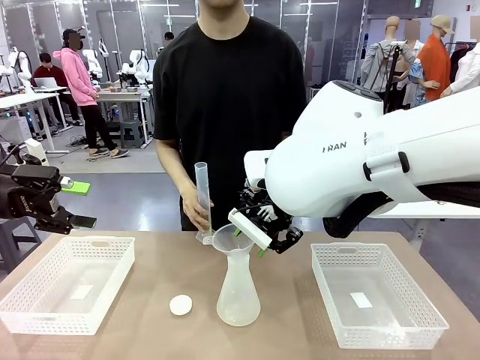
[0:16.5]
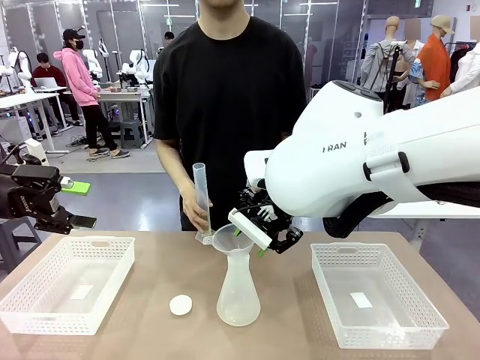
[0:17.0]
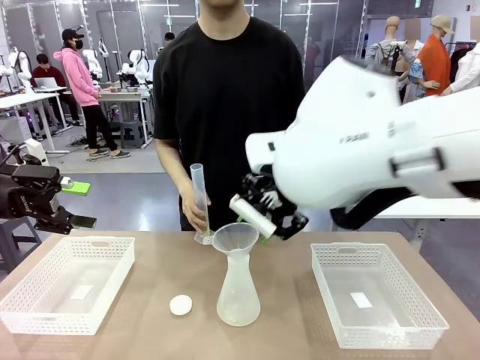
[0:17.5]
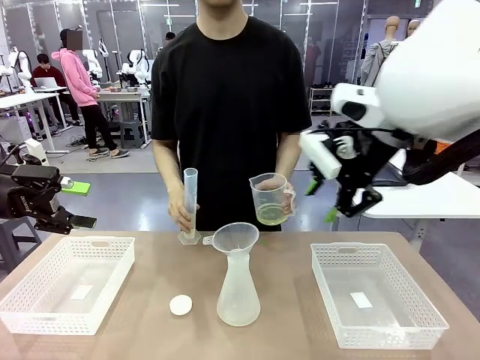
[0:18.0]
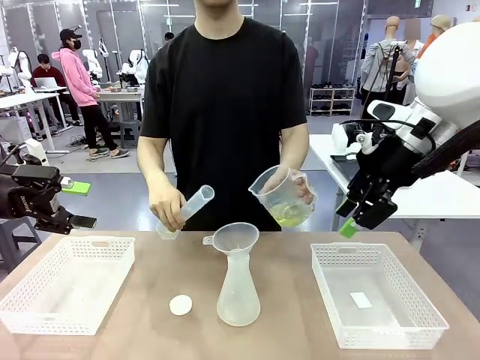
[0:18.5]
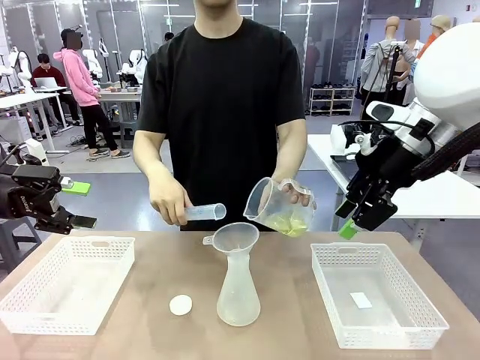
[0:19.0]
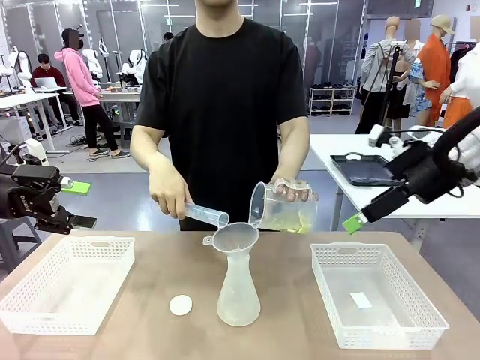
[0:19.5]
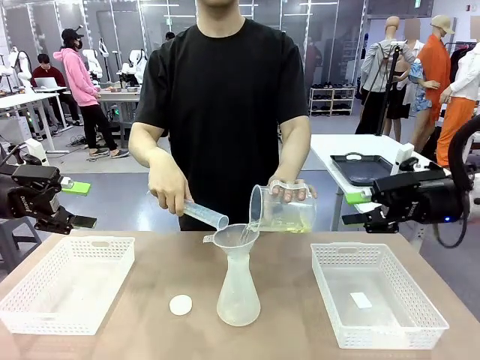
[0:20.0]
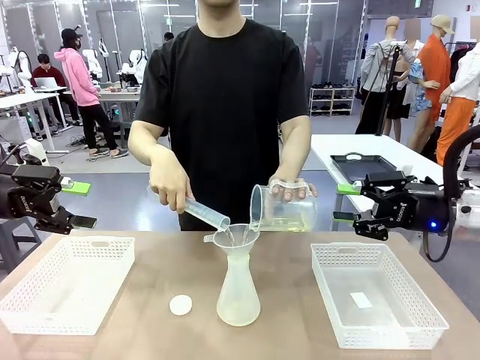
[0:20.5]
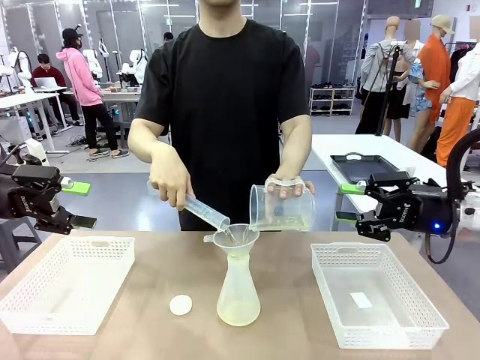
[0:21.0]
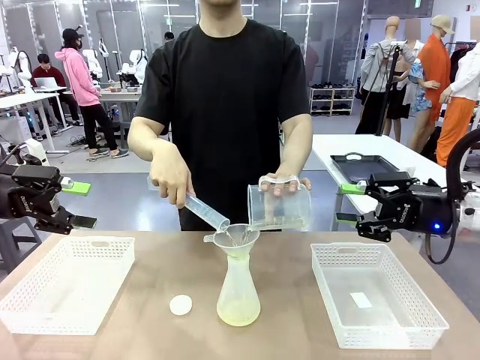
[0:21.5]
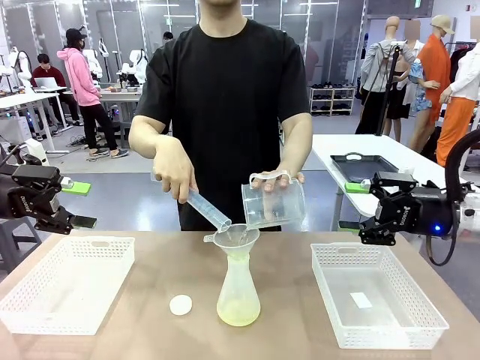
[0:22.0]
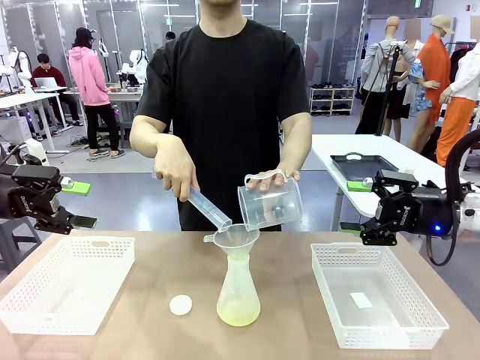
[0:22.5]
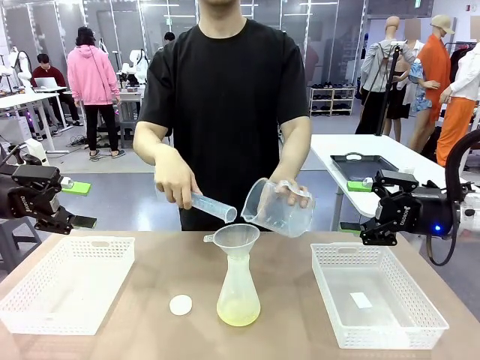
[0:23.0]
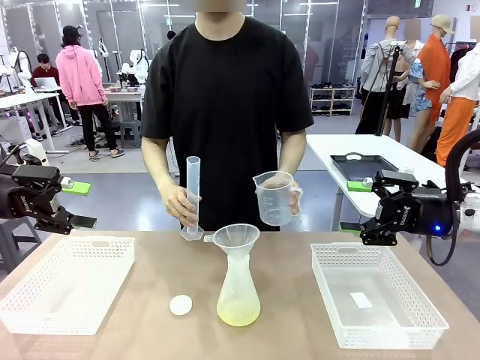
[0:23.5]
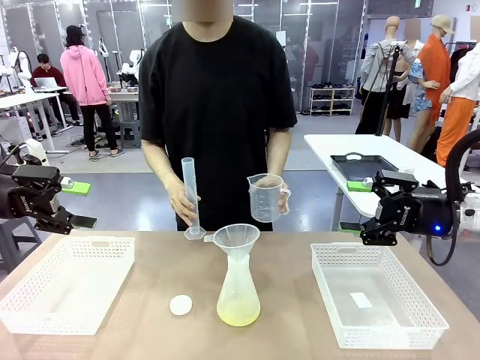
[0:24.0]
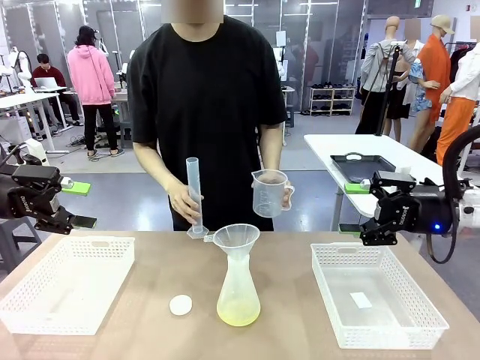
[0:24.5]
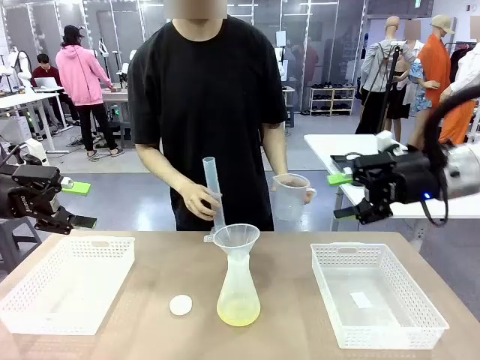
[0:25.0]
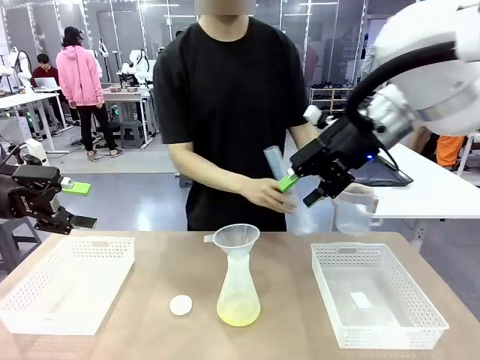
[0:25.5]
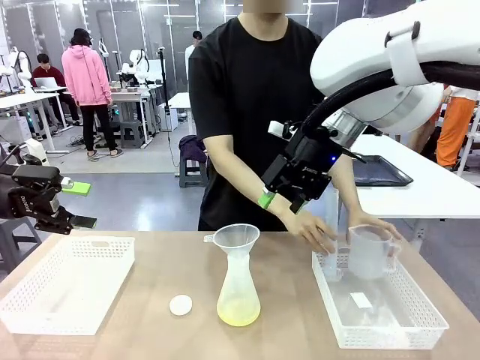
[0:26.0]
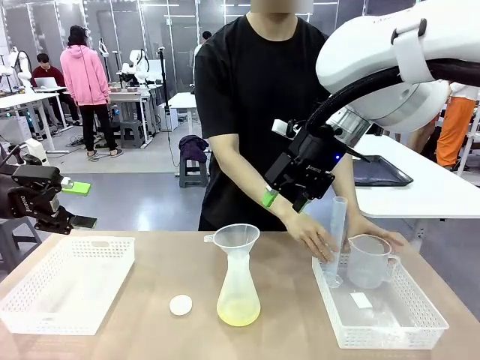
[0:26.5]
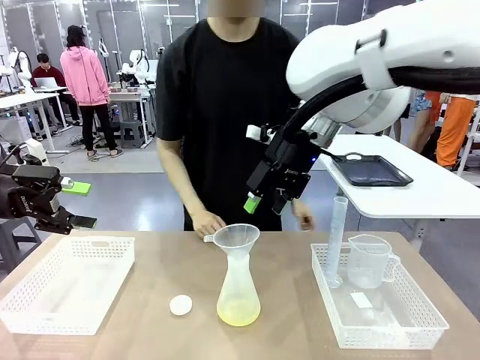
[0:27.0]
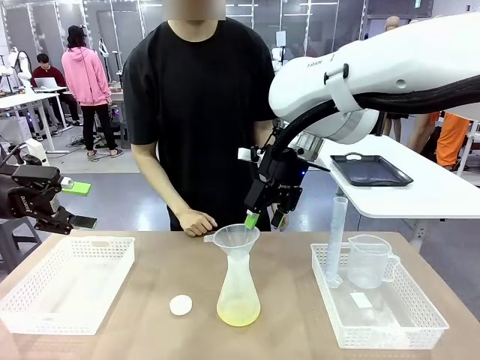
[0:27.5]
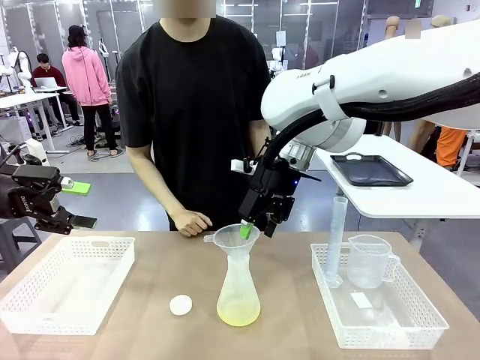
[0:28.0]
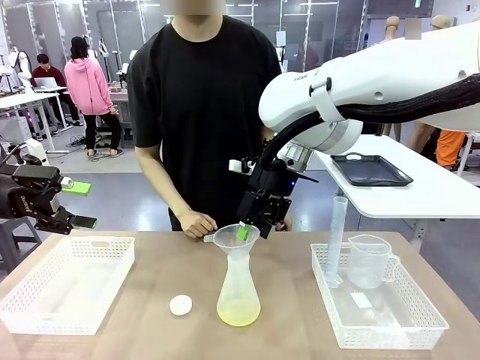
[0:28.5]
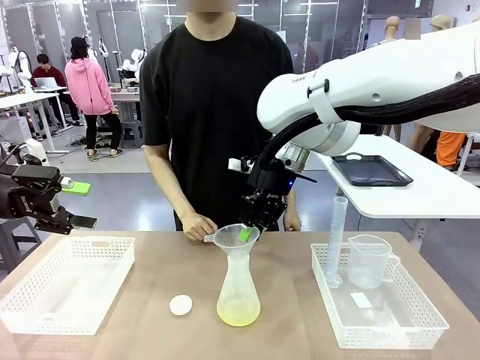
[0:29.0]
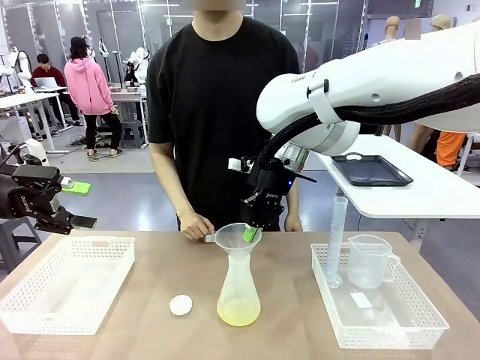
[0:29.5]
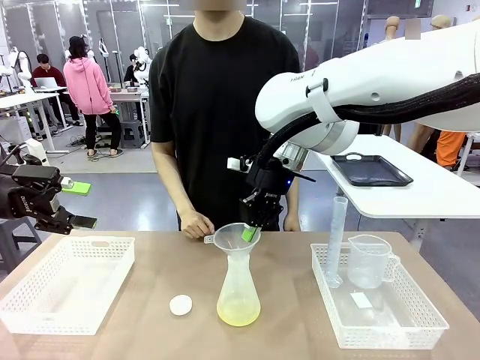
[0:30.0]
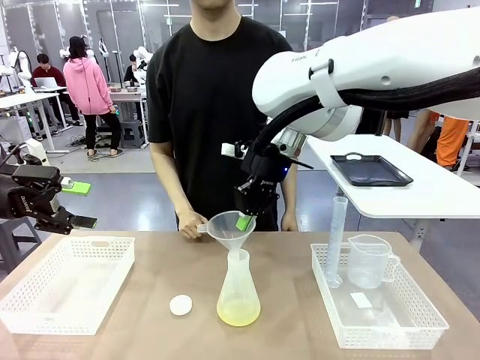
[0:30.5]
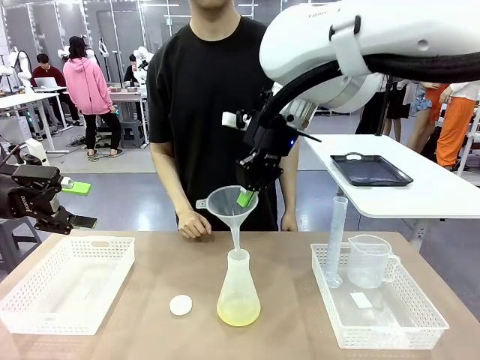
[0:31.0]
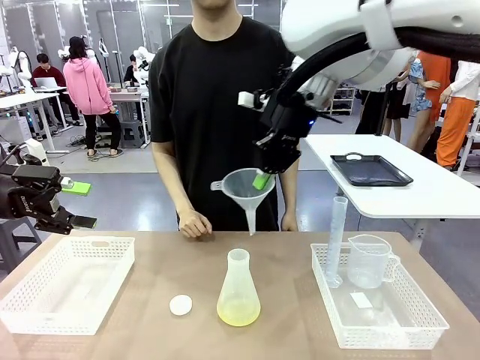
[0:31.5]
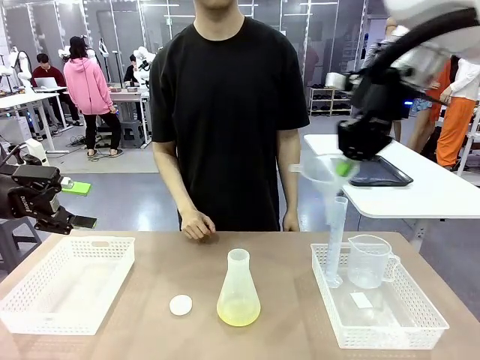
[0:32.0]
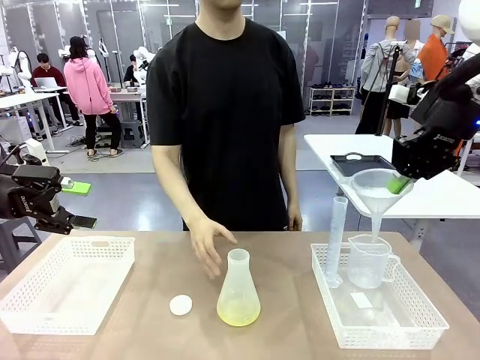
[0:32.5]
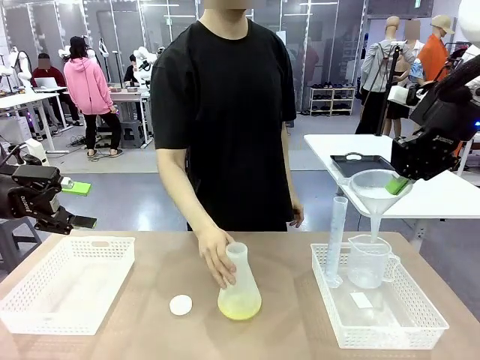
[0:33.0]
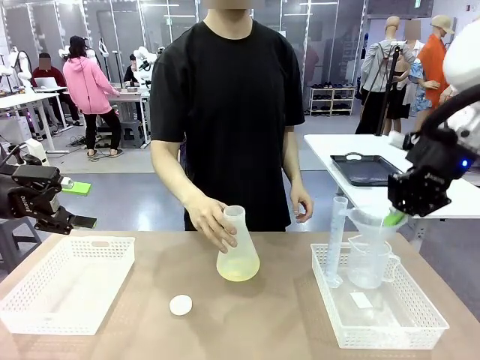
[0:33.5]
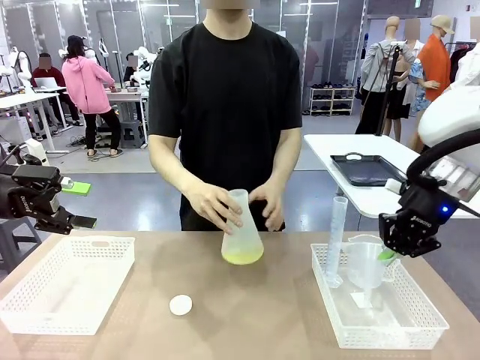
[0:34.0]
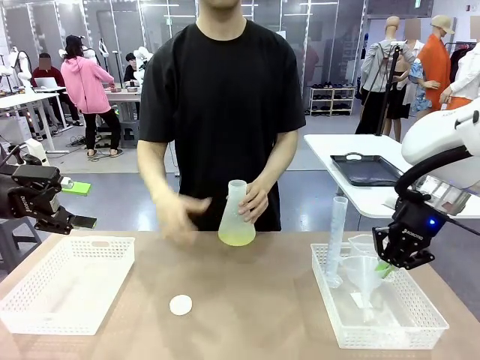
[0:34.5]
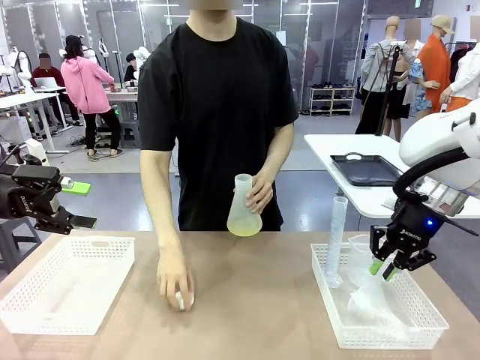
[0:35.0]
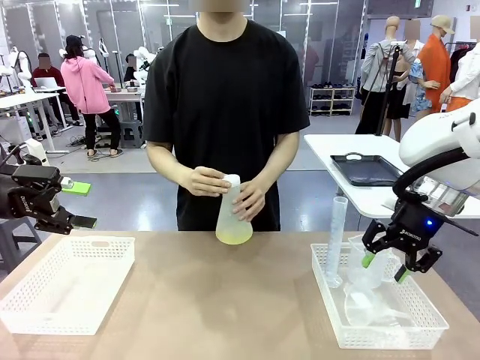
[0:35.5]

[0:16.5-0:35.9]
Task: Prepare the solutions needed for the experiment.
Robot: Once the solution is in the Big flask , pick up the Plastic Funnel and place it back into the right Organizing basket.
Person: Place the beaker and the cylinder into the organizing basket on the left side. Pick up the flask, gently shake it 2–3 times, place it in the middle of the robot table, and close the lid.

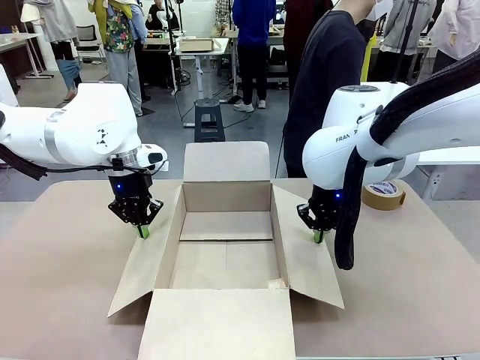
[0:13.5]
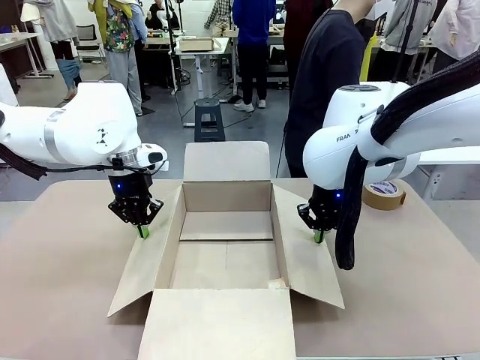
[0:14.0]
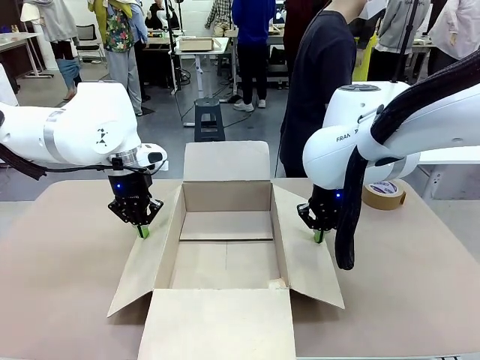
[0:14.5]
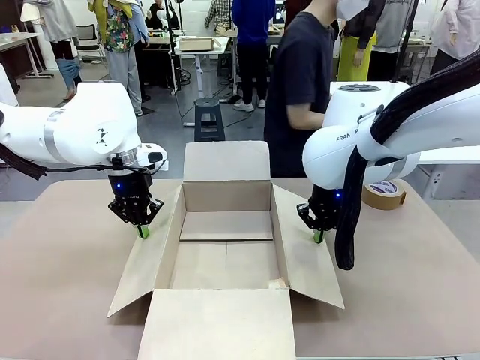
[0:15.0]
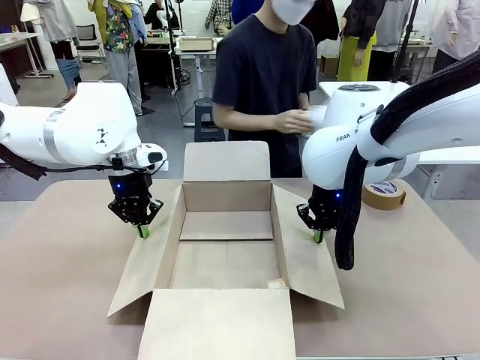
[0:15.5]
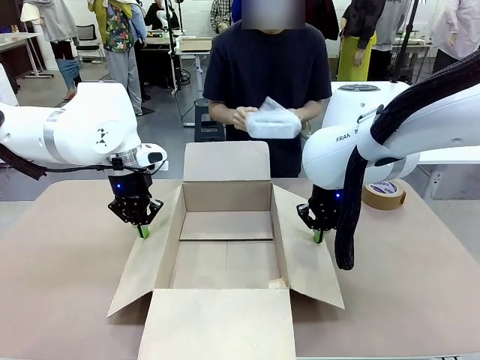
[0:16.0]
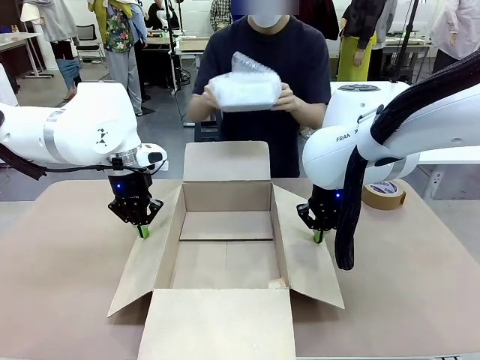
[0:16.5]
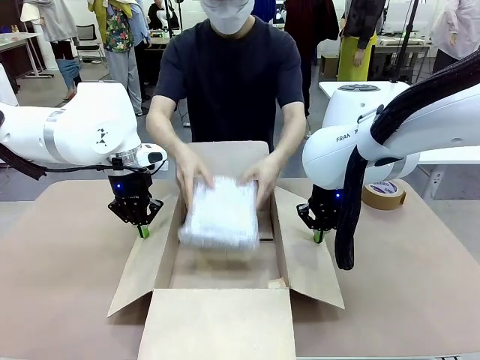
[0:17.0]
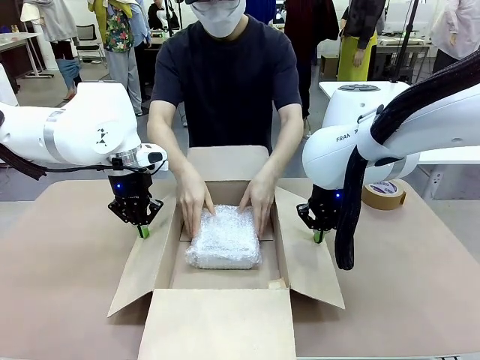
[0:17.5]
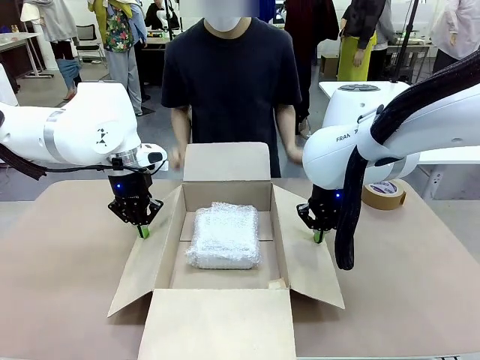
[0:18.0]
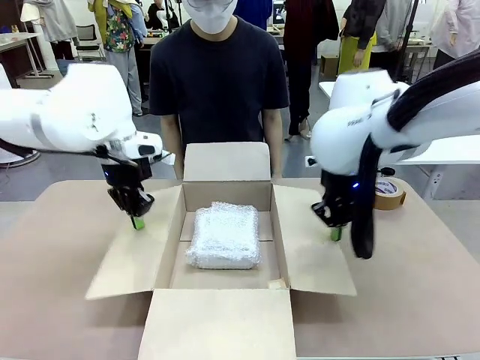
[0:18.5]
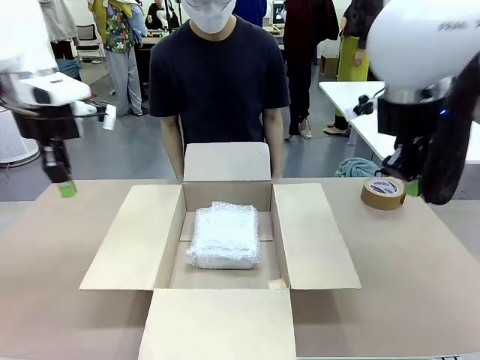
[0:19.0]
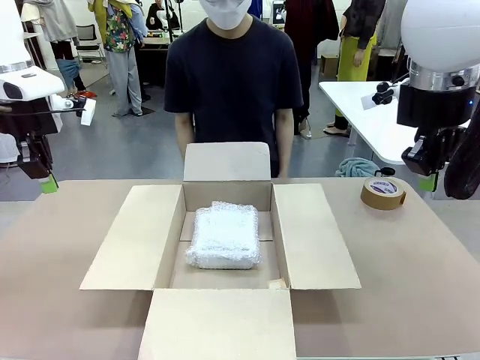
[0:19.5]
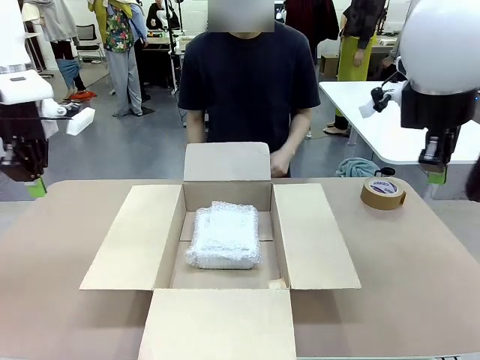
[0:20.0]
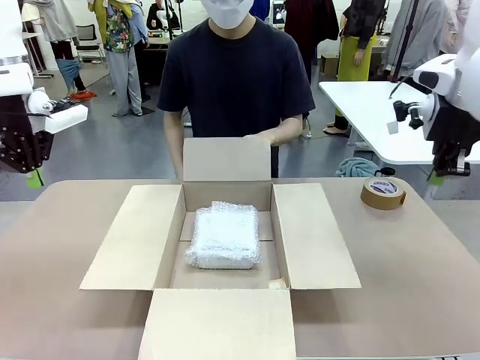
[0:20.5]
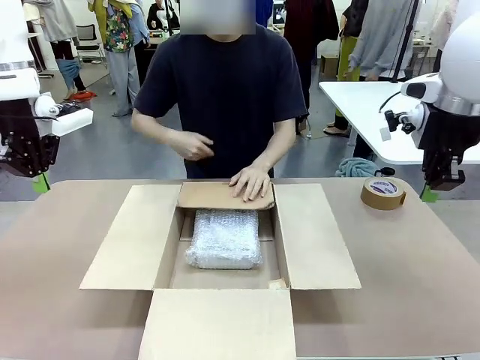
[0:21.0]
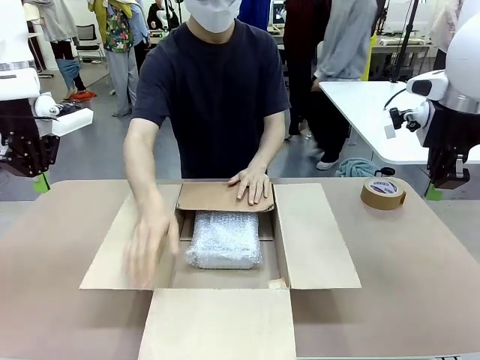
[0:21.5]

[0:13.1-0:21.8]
Task: Wrap the clocks to prevent damage.
Robot: Once the human has placed the objects inside and stepped back, release both hands from the side flaps of the Package Box.
Person: Place the wrapped Digital clocks inside the Package Box. Hold the top and bottom flaps of the Package Box closed with your left (or right) hand.
